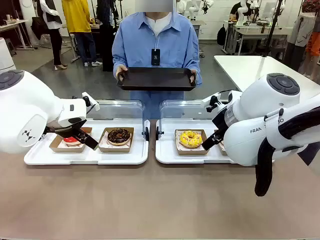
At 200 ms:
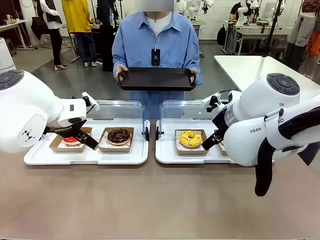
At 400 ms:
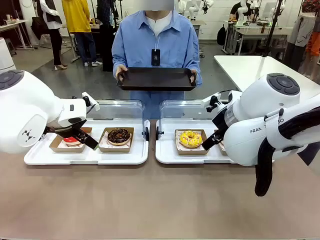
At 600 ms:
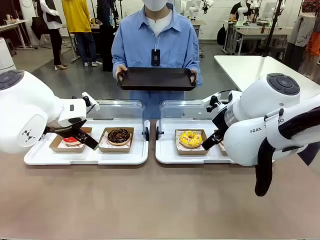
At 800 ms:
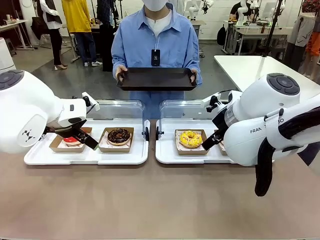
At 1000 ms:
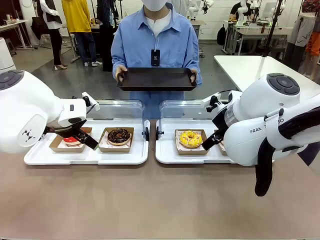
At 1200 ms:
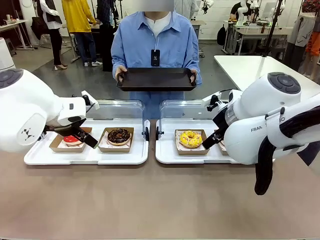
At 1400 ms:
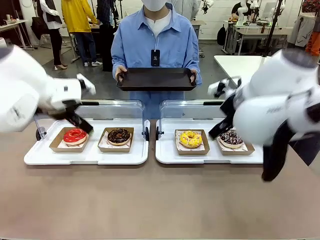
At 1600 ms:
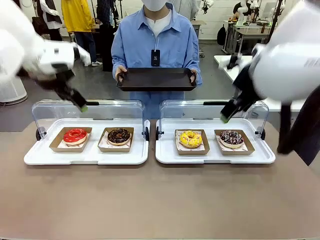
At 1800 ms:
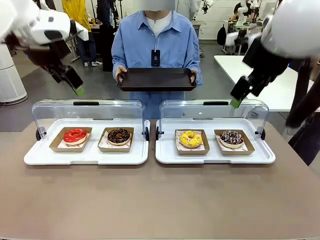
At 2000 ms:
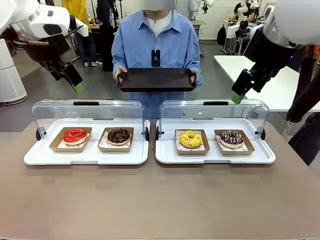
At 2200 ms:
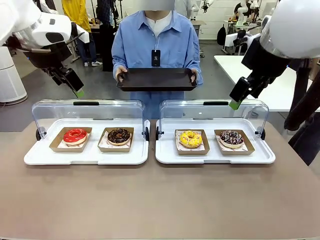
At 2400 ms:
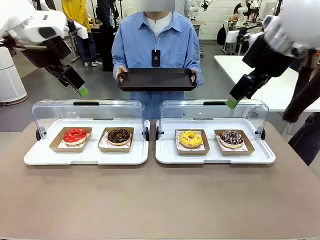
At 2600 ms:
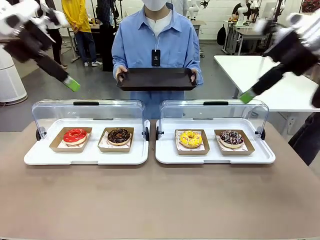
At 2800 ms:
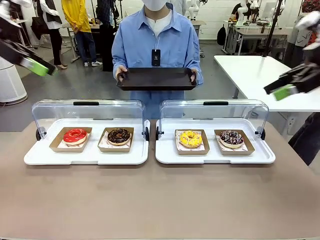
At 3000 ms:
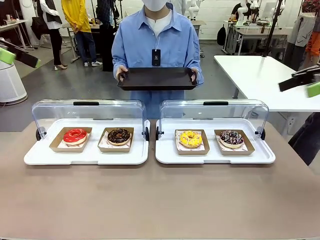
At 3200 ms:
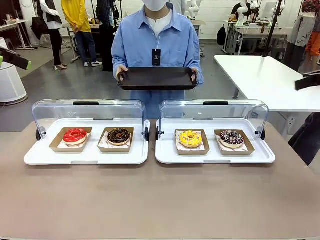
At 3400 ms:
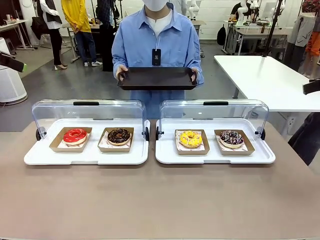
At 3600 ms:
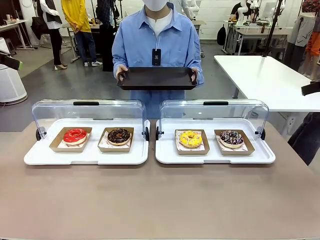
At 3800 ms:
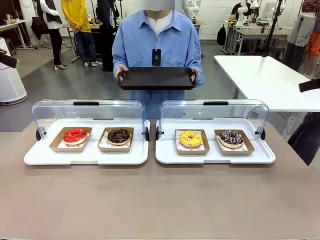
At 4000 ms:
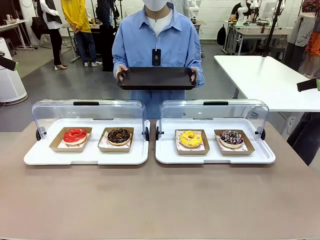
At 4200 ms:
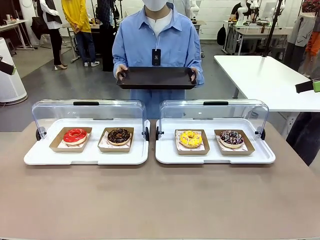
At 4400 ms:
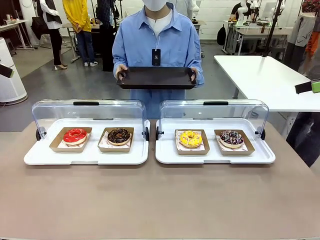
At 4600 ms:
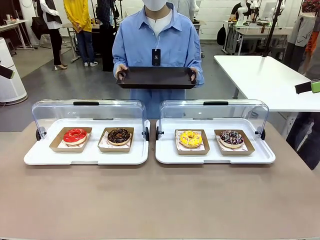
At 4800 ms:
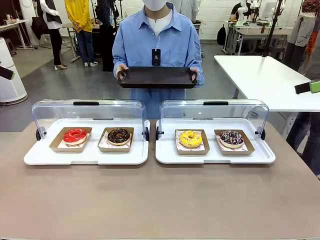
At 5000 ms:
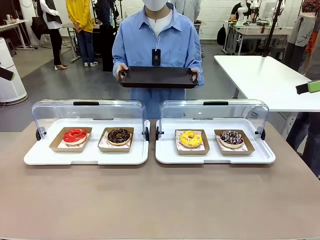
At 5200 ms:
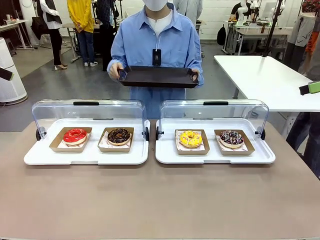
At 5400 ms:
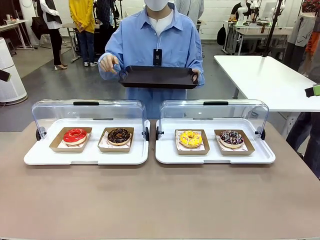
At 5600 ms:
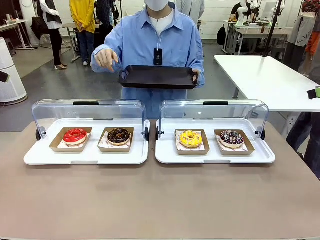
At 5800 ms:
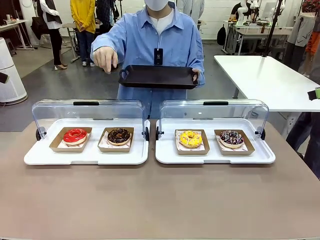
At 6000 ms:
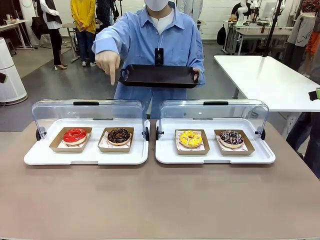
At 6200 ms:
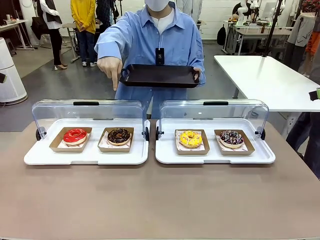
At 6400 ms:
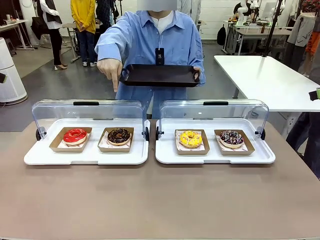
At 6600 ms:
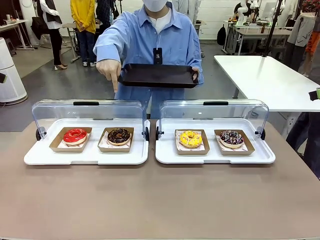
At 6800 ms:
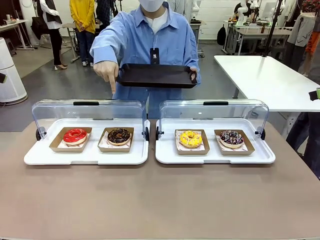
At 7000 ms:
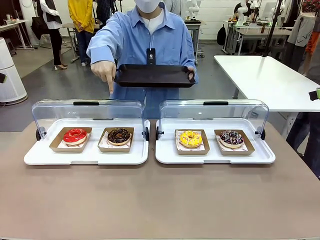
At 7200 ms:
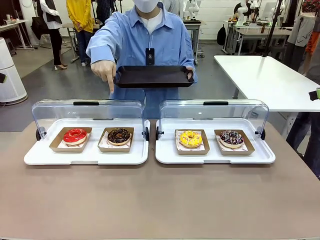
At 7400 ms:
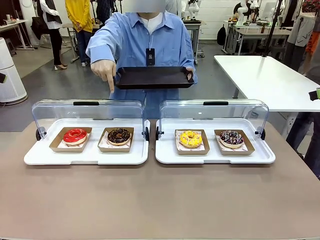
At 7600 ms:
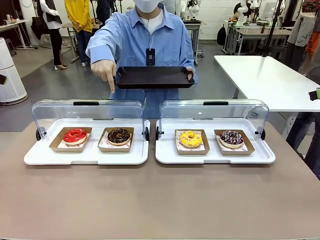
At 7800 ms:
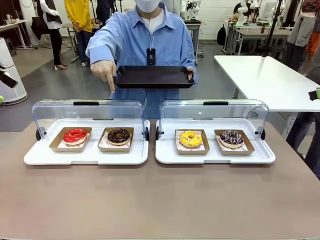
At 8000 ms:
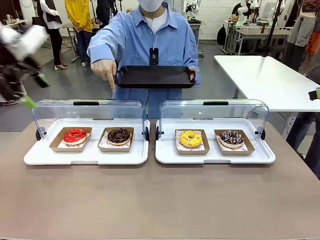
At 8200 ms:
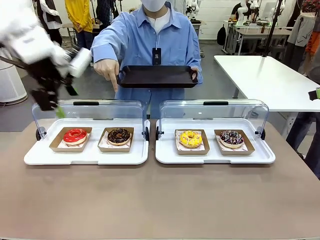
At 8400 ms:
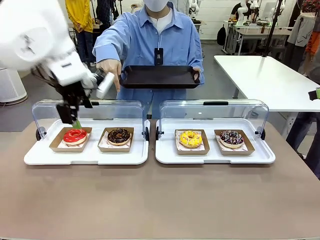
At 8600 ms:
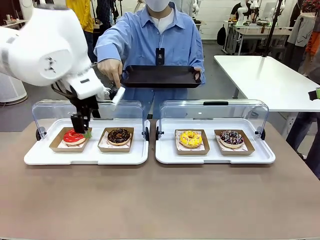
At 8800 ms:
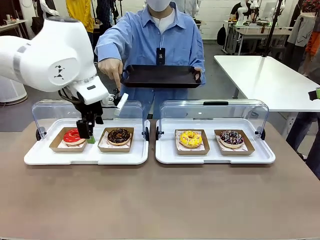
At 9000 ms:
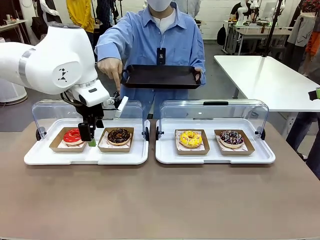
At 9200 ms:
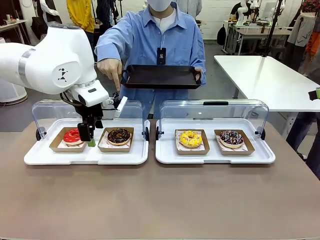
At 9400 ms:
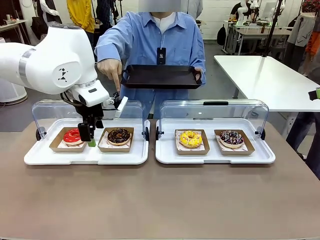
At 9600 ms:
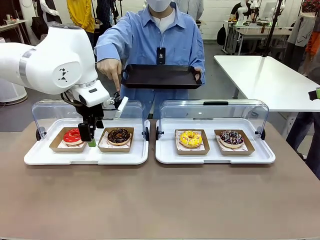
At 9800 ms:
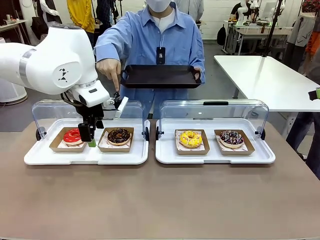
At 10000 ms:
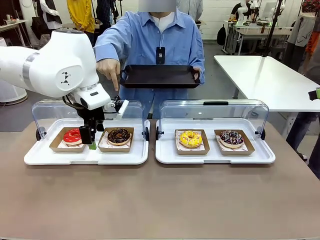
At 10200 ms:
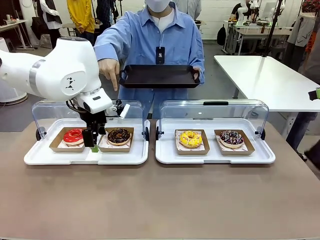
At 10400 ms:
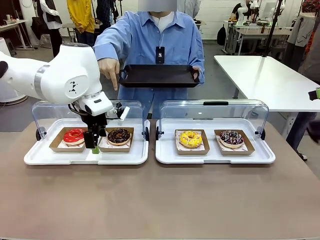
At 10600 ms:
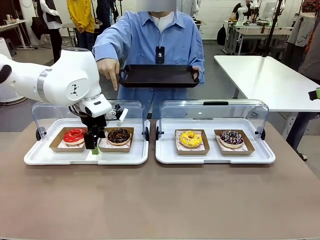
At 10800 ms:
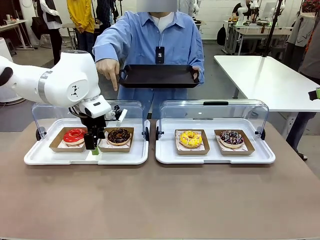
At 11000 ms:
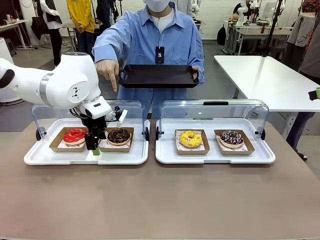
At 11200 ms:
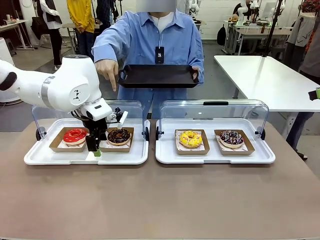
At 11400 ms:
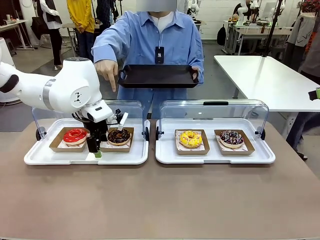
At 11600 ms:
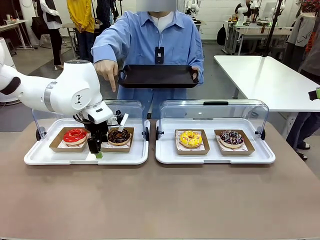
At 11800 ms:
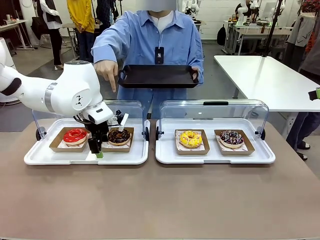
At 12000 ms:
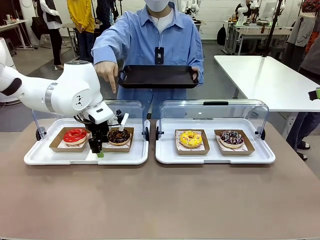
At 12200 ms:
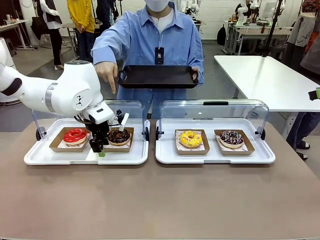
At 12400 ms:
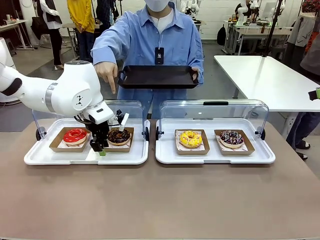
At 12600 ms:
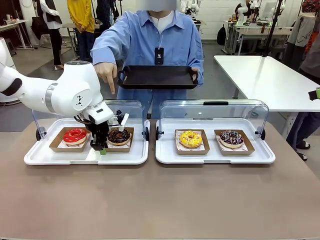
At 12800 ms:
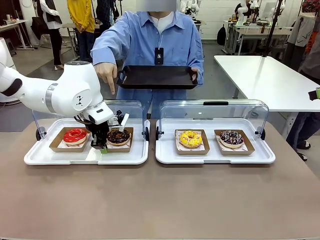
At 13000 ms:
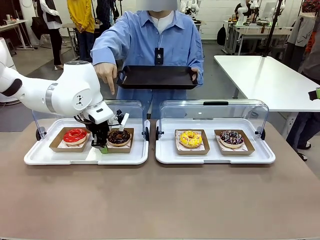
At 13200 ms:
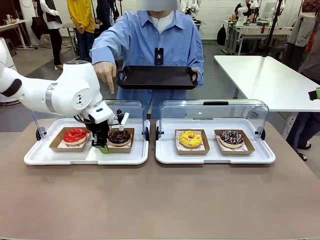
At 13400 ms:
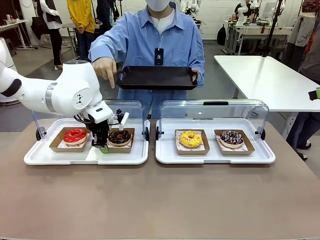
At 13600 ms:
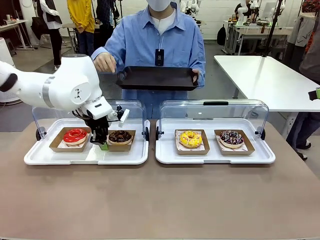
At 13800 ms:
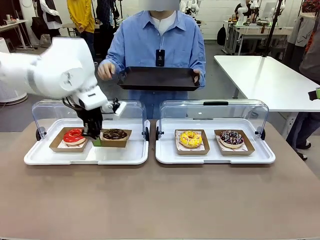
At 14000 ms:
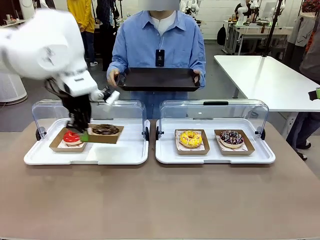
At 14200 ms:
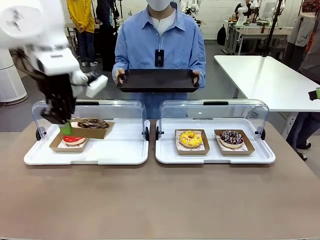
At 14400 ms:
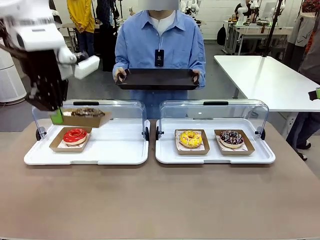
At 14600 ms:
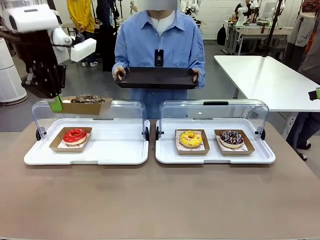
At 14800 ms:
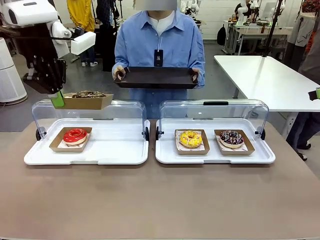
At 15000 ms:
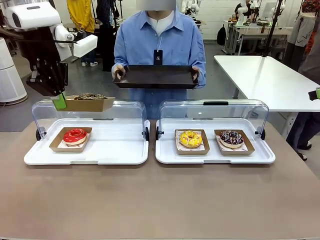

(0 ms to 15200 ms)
Task: Provide the desired donut to the person.
Robot: Pick up and lift the Paper togo box containing the Donut pointed at by the person.
Person: Point to one donut. Lift the tray onto the Roll-Top Bakery Case.

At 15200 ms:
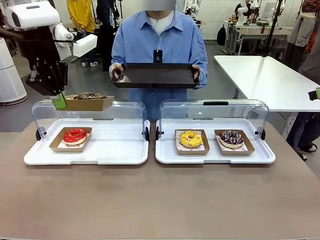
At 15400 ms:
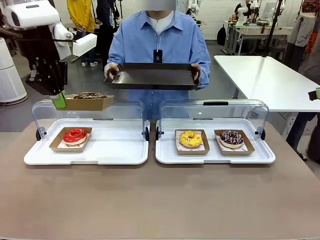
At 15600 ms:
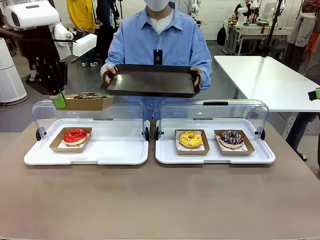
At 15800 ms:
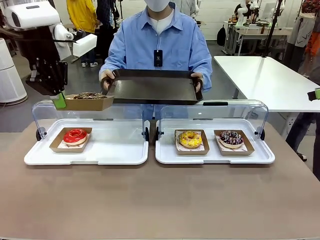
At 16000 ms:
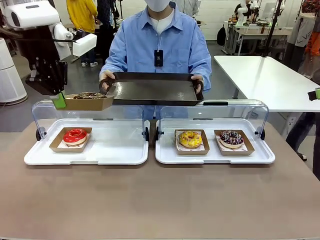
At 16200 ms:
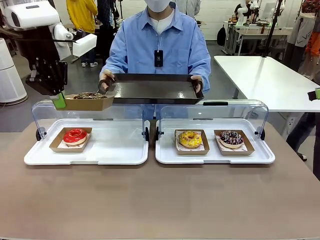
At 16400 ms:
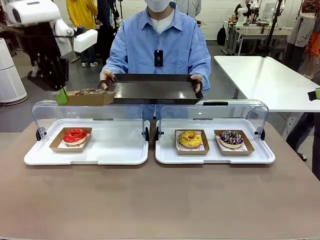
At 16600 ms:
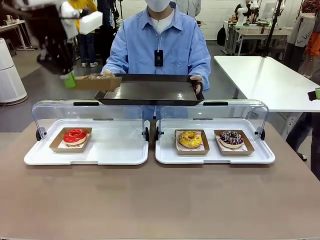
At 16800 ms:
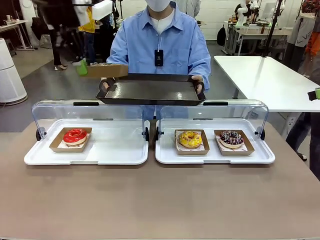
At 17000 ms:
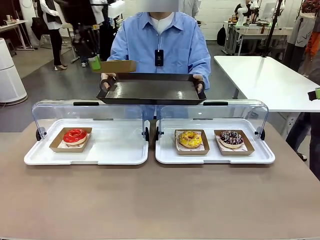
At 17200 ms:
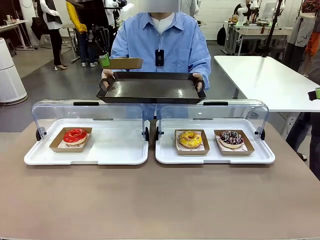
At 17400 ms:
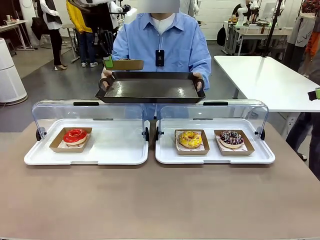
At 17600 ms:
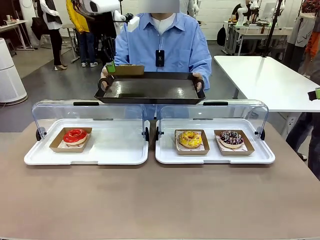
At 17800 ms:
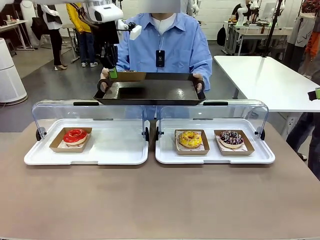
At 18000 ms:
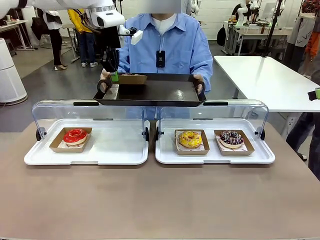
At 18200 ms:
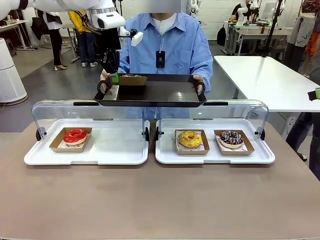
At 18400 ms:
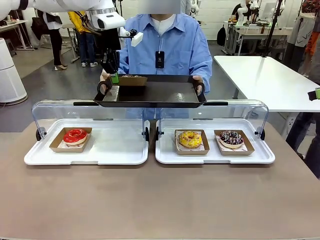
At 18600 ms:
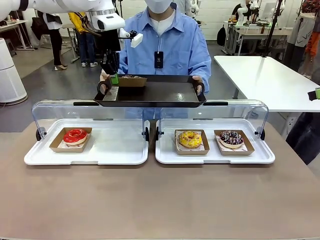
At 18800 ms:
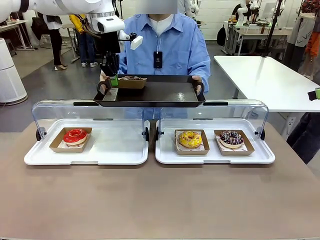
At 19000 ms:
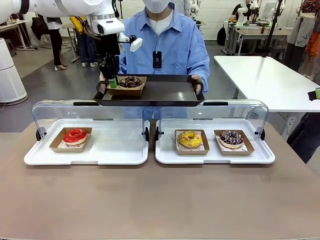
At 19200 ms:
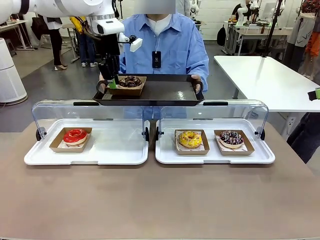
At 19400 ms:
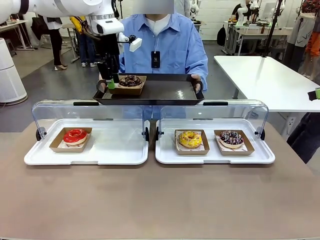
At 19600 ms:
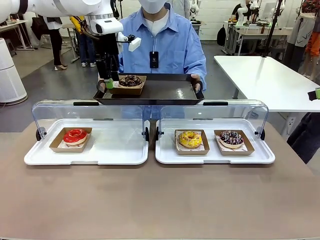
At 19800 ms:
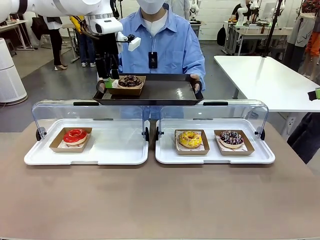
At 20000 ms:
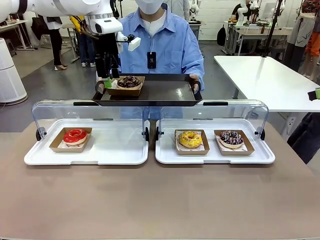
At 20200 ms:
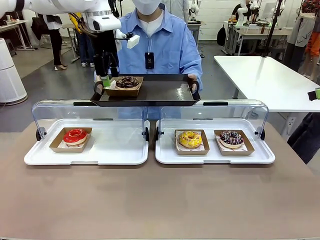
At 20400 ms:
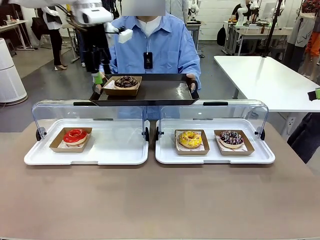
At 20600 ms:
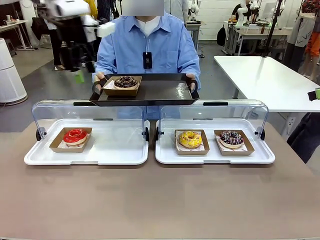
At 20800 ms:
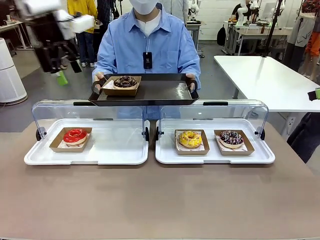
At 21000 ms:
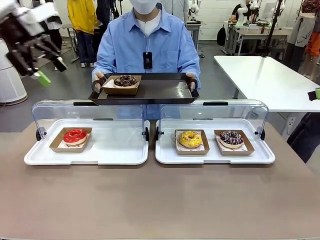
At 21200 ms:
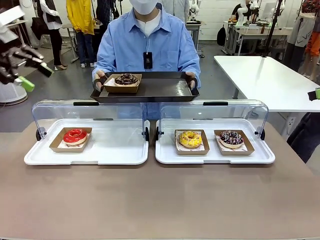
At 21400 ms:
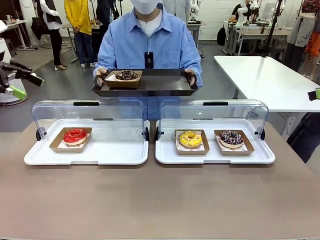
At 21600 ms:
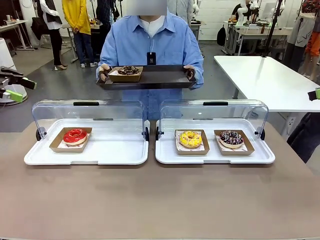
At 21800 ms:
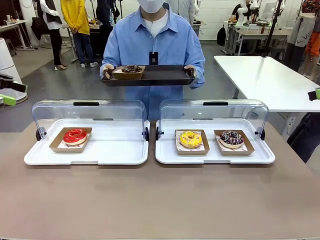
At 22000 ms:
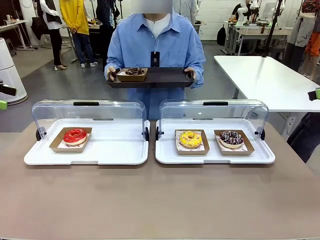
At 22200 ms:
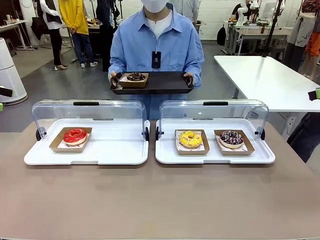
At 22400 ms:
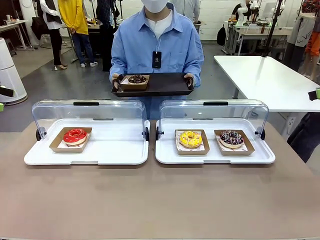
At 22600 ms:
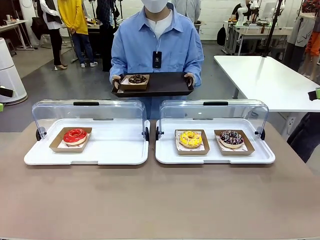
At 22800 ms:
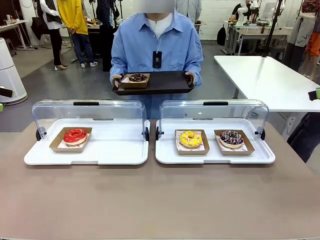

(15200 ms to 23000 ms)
Robot: Place the picked Paper togo box onto the Handle tray extended by the person.
Person: Point to one donut.
